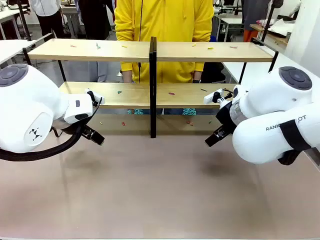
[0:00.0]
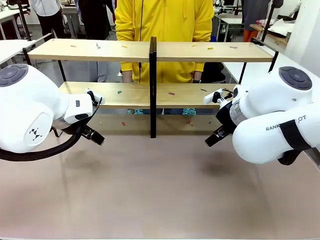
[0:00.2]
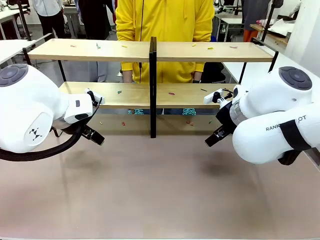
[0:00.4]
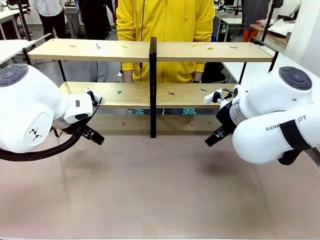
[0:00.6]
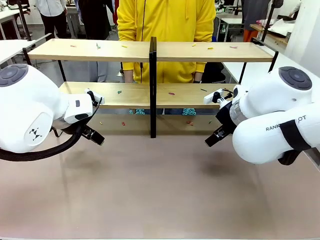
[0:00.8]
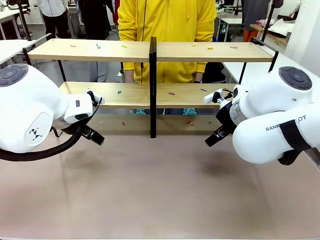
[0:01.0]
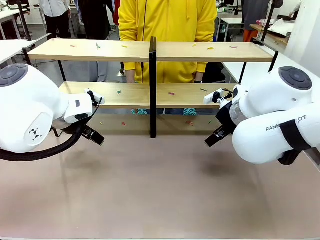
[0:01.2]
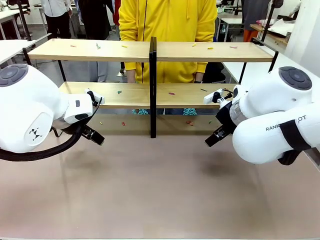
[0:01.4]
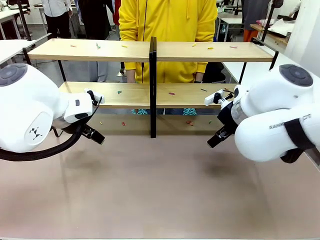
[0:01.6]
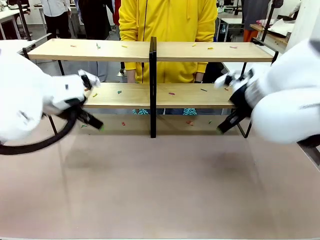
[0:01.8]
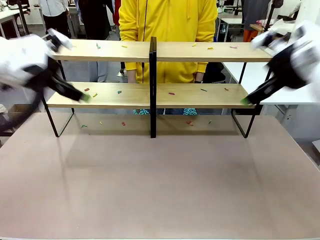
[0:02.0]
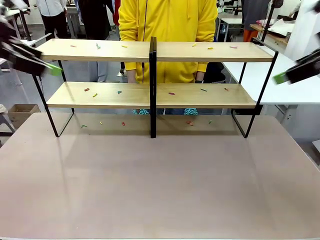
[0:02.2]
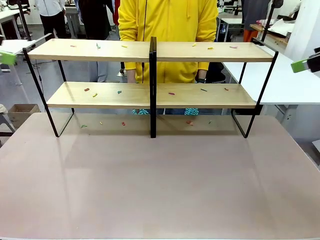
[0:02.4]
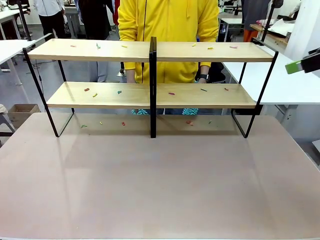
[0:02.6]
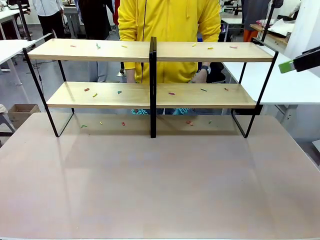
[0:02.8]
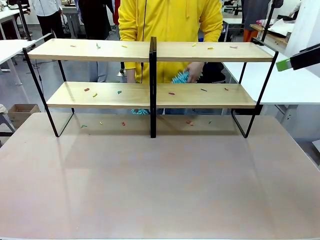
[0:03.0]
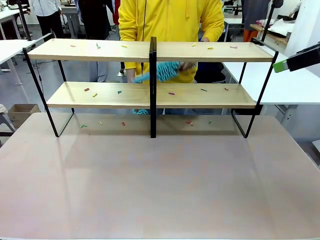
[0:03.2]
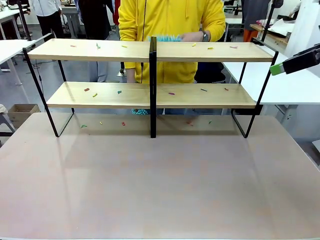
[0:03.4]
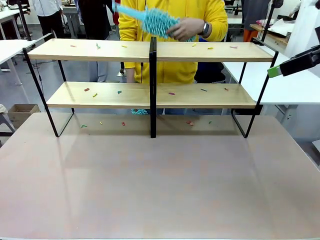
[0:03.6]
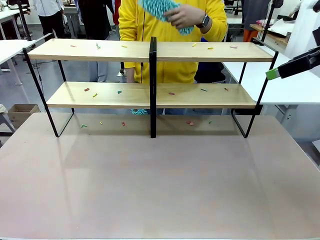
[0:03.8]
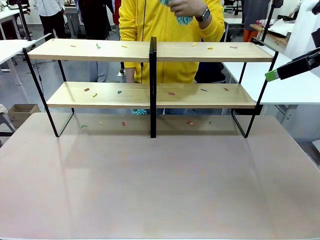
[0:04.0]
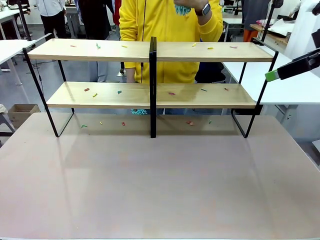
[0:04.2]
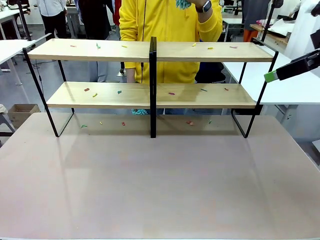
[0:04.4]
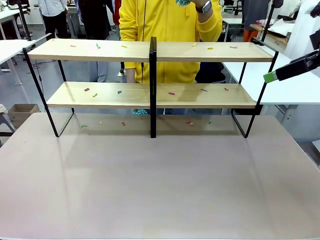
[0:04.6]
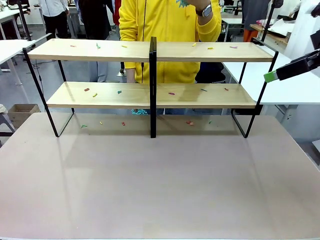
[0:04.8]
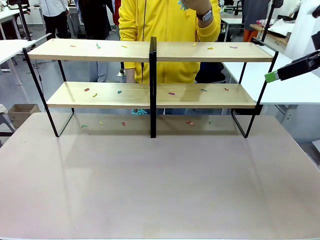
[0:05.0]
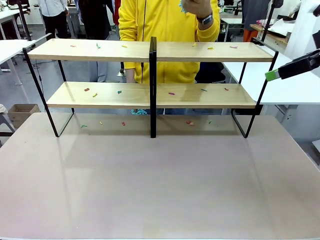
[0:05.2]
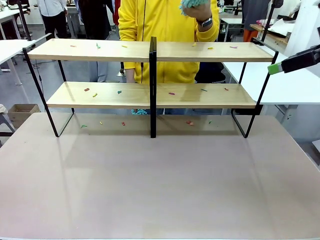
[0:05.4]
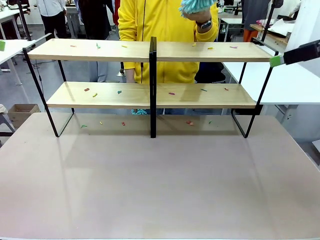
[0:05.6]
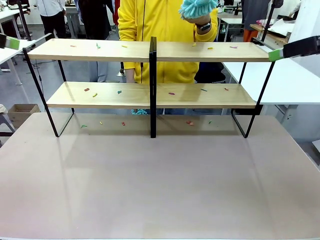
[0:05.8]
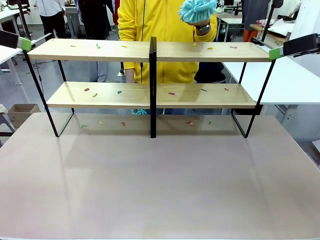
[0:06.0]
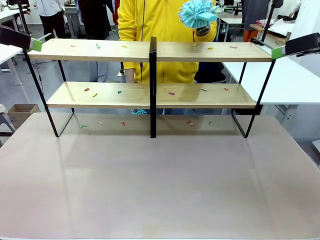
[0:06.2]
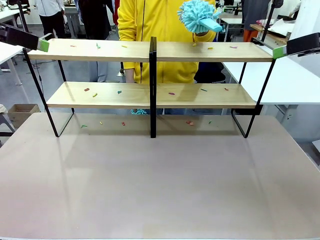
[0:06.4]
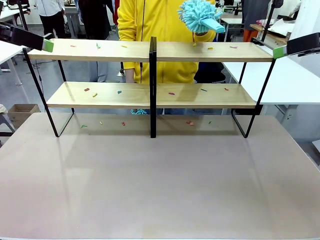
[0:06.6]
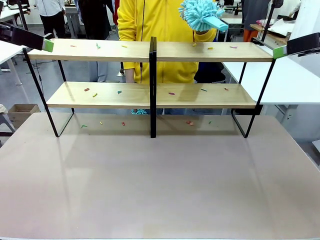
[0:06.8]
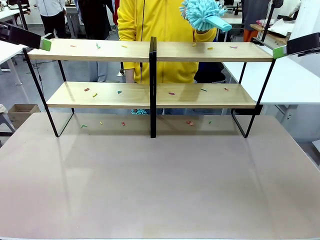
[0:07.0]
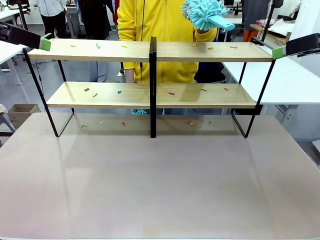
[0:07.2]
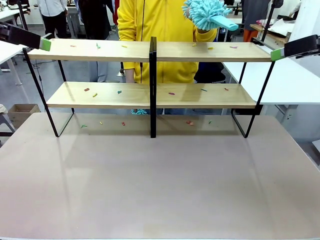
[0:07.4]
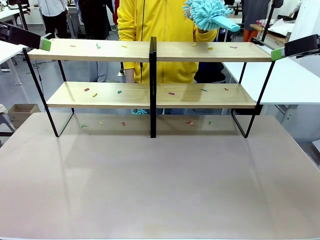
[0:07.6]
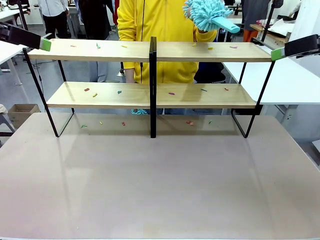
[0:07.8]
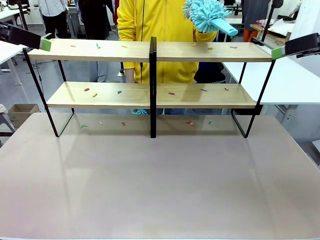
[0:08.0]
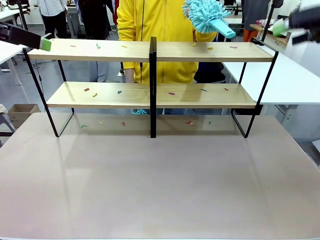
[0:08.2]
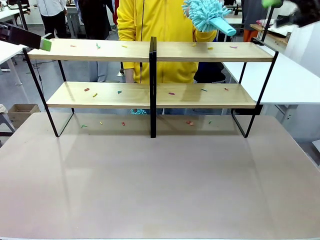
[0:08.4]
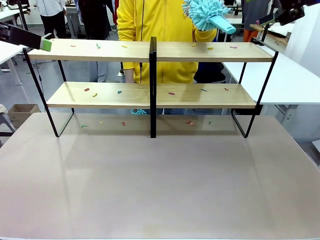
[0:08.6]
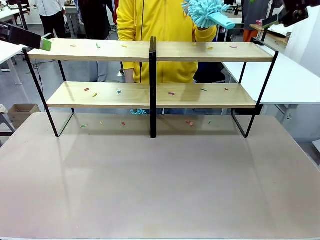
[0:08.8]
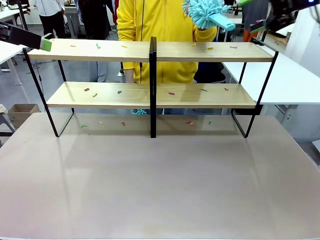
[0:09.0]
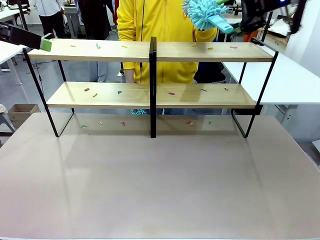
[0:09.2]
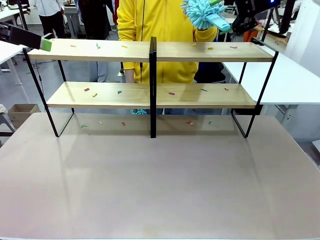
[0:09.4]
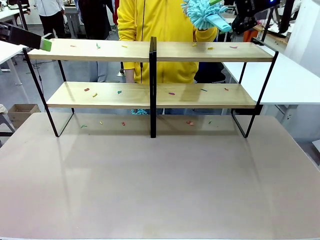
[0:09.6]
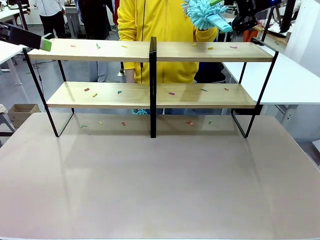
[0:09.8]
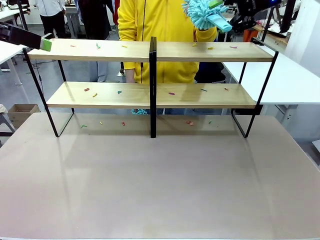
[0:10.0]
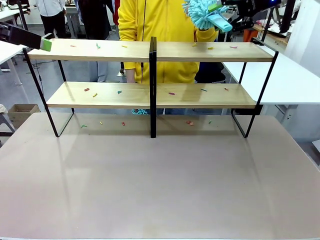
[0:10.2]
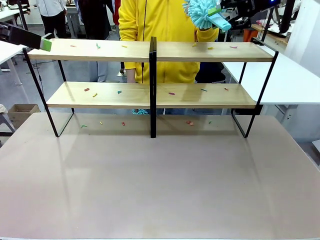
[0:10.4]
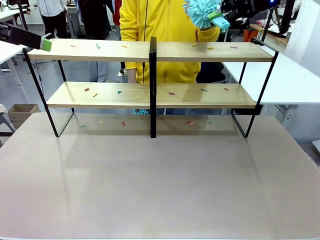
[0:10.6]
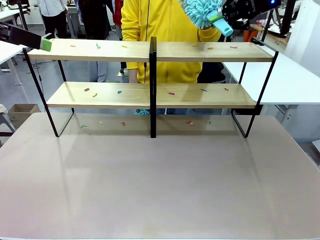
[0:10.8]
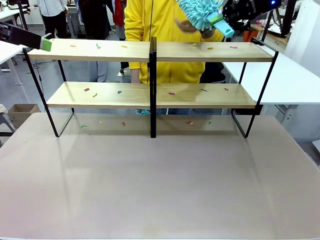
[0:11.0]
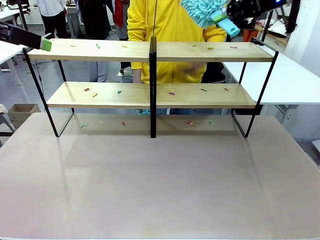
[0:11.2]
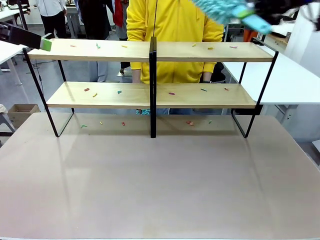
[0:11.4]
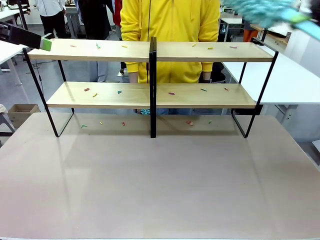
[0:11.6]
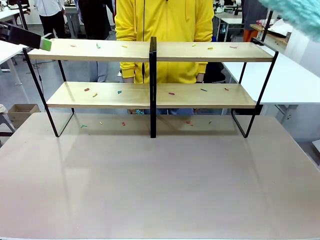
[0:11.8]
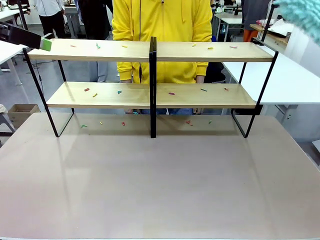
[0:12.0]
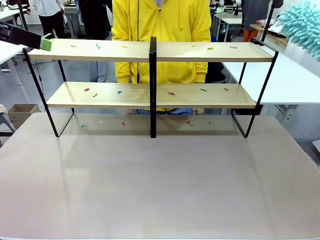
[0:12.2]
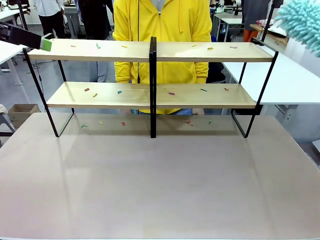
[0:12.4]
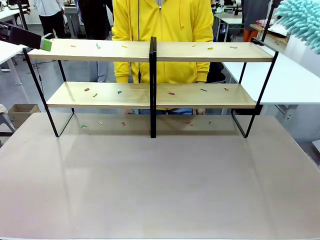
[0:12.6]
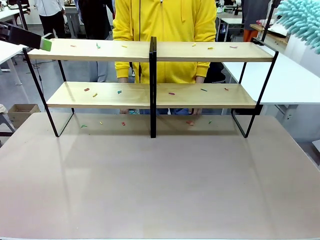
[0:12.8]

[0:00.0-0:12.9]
Task: Clean the shelves.
Robot: Pick up the Duster when the human hands it over.
Person: Hand the Duster to the robot with your right (or left) hand.

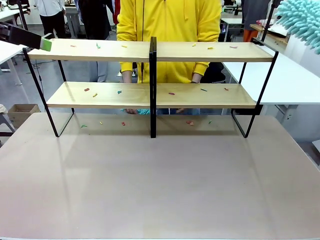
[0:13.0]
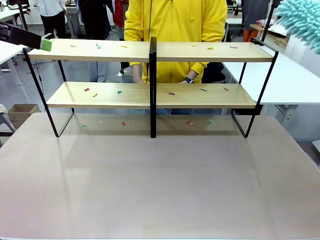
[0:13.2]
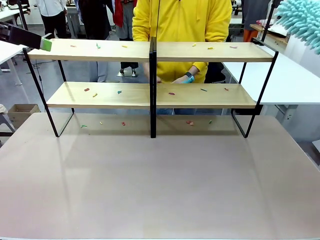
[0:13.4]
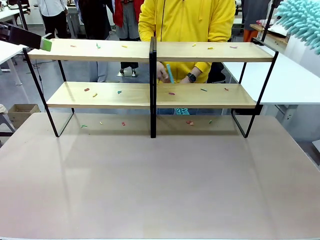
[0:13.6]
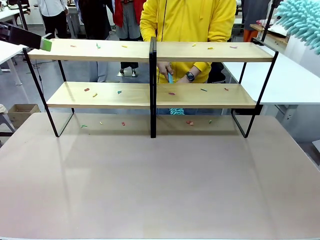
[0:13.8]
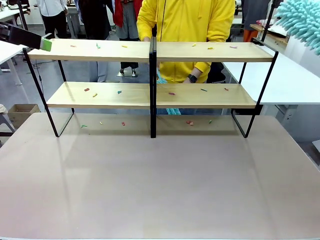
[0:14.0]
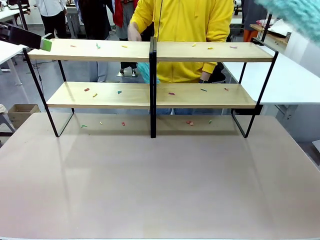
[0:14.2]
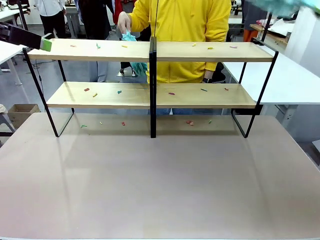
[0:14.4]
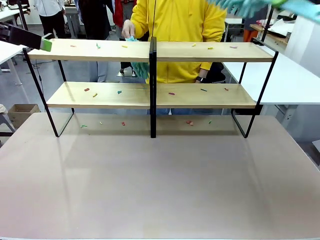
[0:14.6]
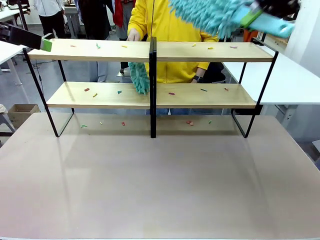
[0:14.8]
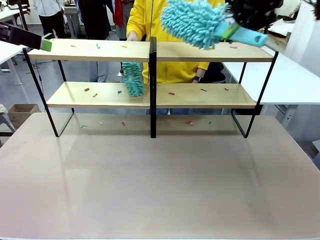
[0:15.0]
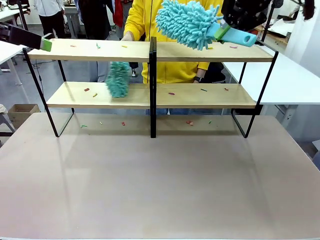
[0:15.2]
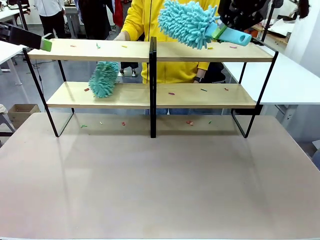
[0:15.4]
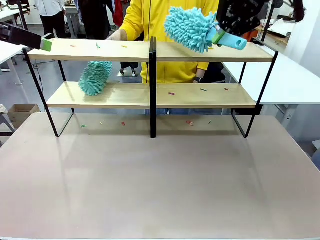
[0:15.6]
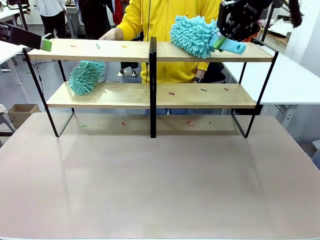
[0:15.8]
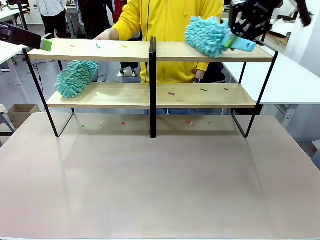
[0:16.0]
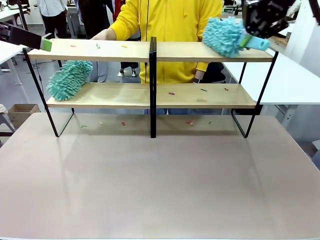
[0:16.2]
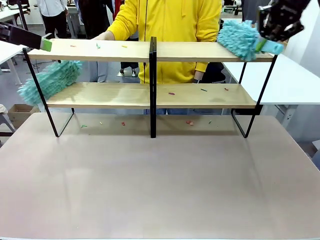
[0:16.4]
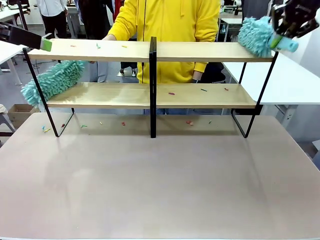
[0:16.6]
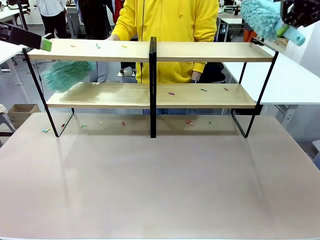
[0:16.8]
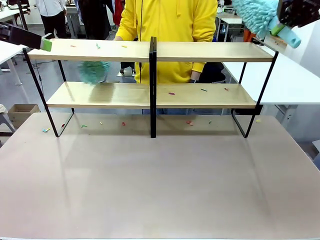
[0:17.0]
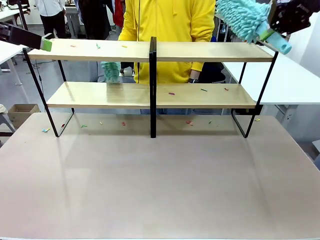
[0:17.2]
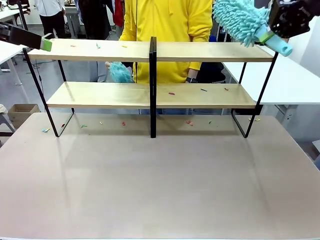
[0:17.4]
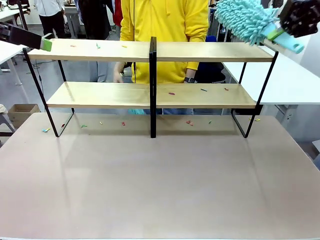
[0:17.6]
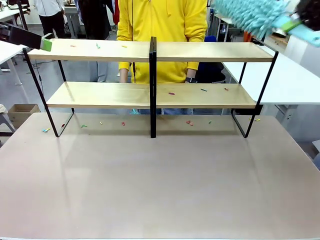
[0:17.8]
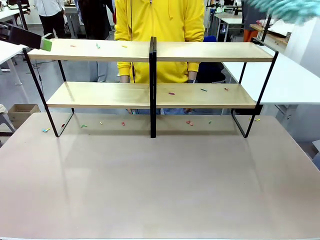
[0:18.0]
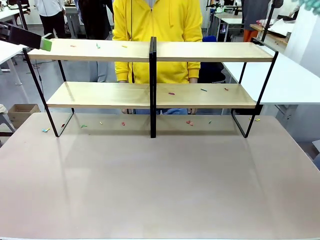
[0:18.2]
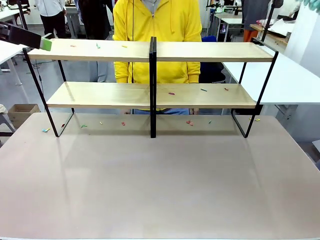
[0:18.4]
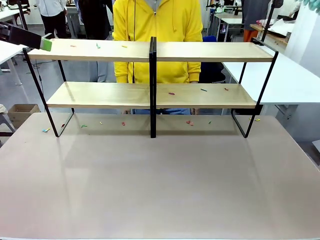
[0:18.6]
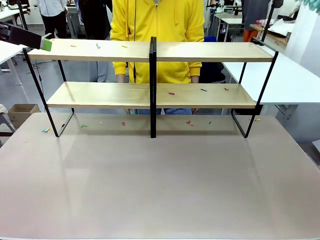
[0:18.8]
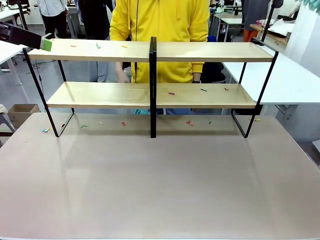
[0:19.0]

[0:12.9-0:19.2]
Robot: Clean a randomly selected level of the Shelf with the Duster.
